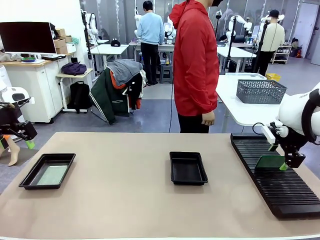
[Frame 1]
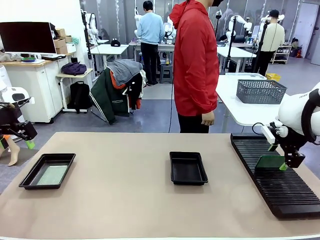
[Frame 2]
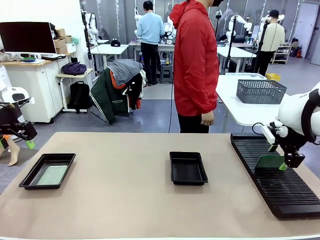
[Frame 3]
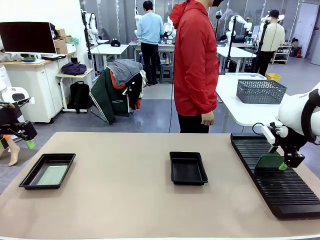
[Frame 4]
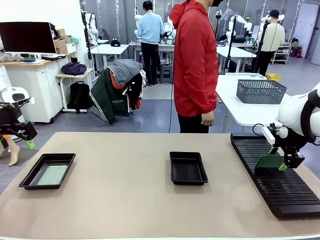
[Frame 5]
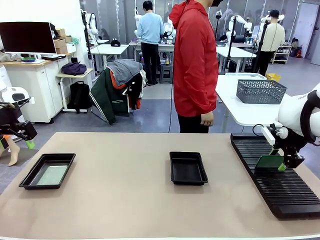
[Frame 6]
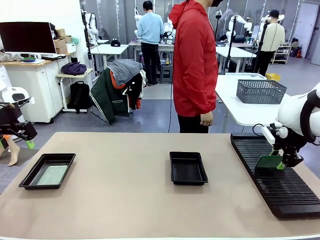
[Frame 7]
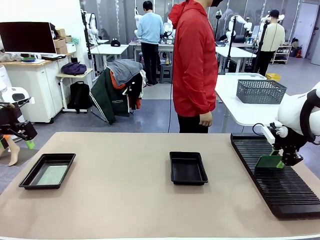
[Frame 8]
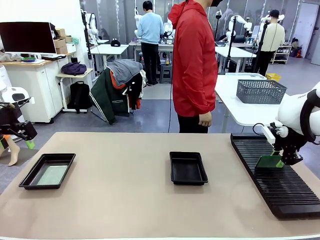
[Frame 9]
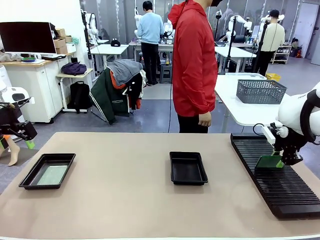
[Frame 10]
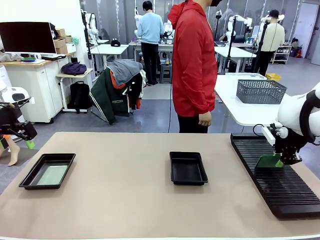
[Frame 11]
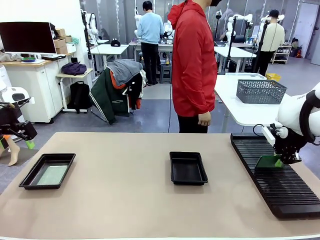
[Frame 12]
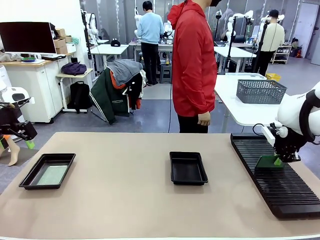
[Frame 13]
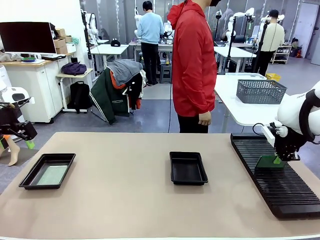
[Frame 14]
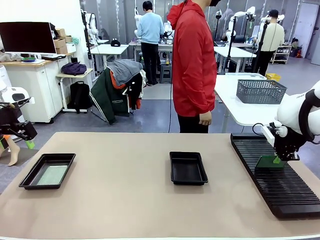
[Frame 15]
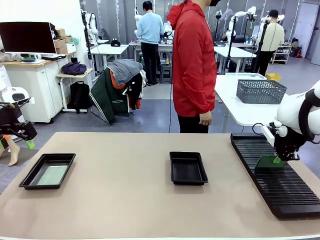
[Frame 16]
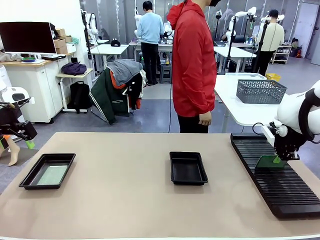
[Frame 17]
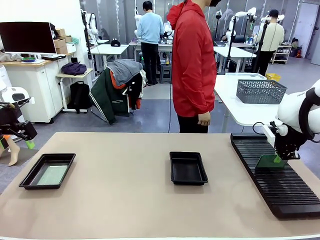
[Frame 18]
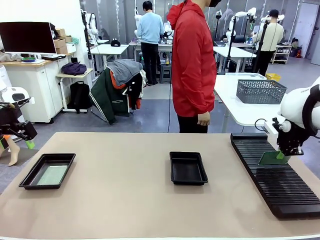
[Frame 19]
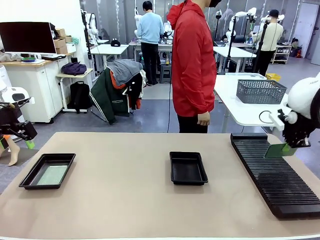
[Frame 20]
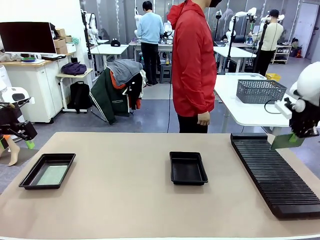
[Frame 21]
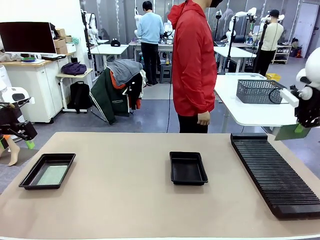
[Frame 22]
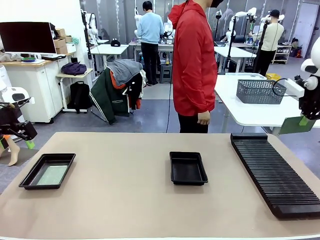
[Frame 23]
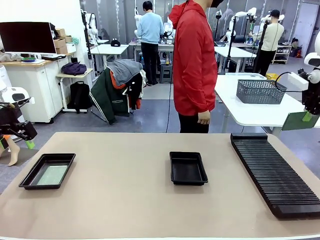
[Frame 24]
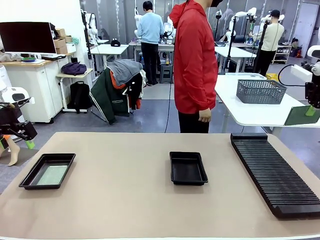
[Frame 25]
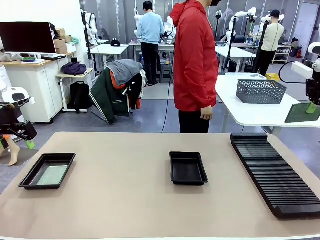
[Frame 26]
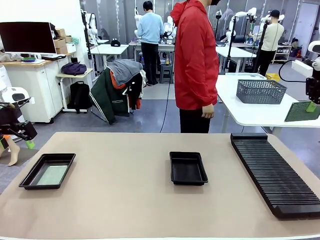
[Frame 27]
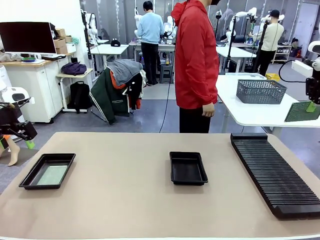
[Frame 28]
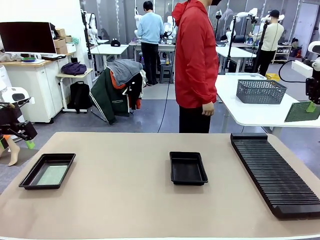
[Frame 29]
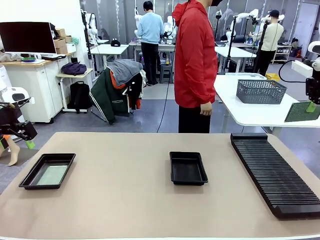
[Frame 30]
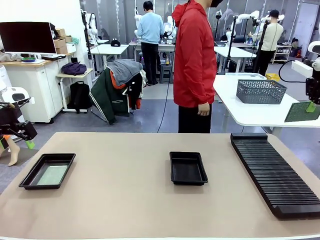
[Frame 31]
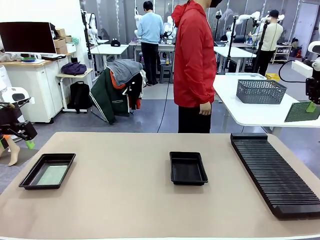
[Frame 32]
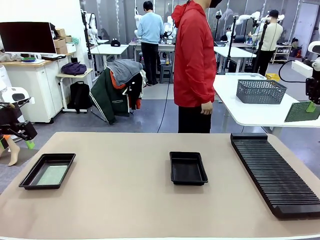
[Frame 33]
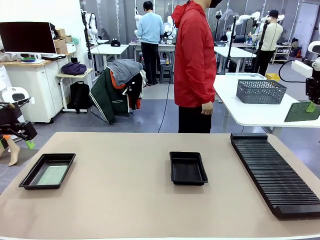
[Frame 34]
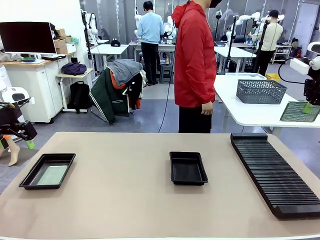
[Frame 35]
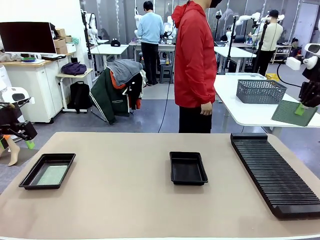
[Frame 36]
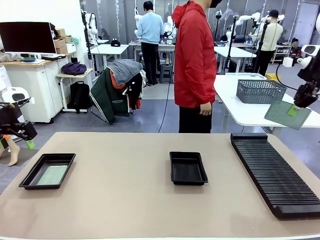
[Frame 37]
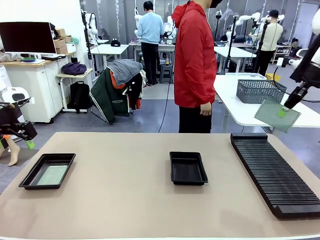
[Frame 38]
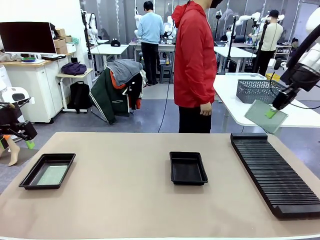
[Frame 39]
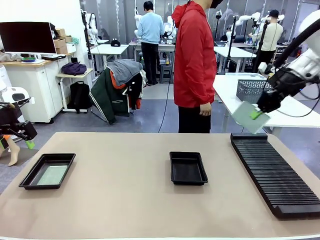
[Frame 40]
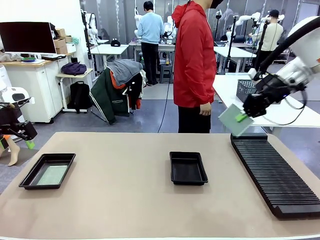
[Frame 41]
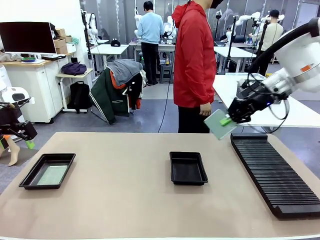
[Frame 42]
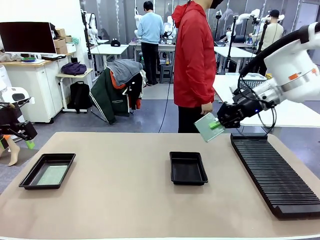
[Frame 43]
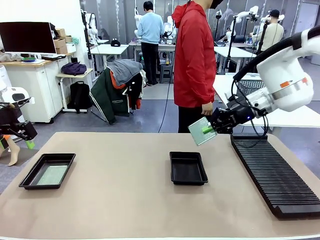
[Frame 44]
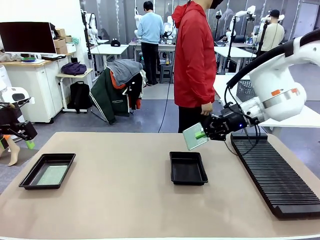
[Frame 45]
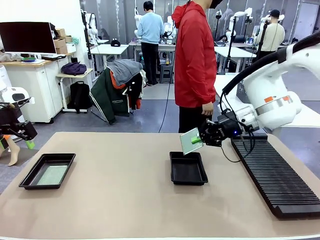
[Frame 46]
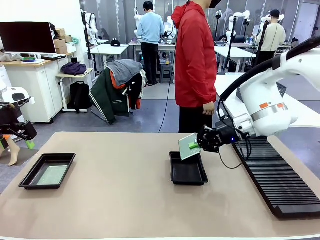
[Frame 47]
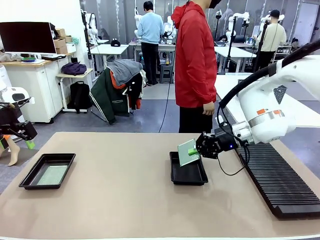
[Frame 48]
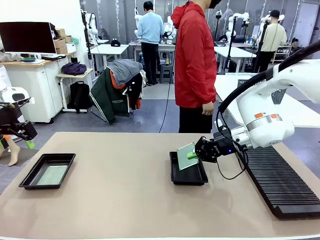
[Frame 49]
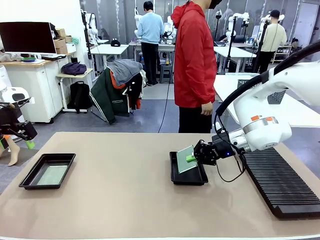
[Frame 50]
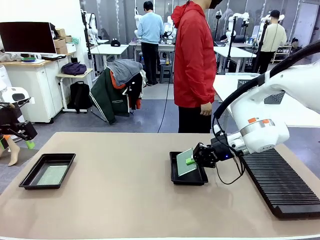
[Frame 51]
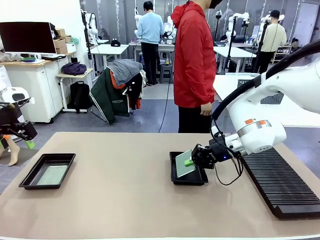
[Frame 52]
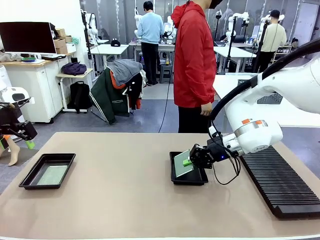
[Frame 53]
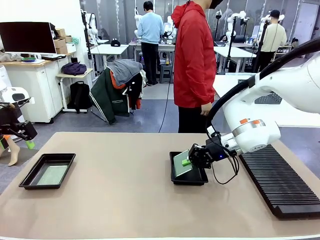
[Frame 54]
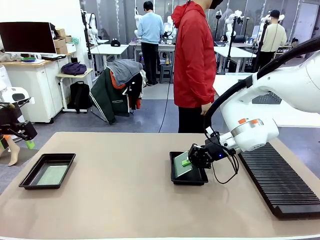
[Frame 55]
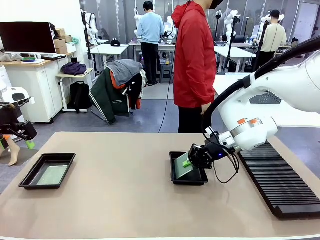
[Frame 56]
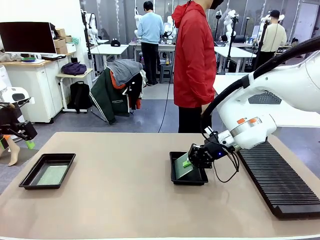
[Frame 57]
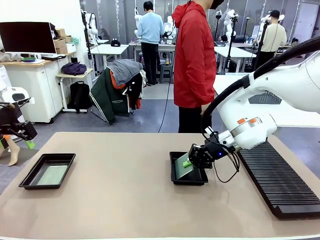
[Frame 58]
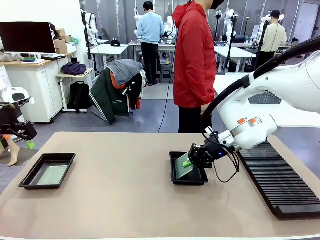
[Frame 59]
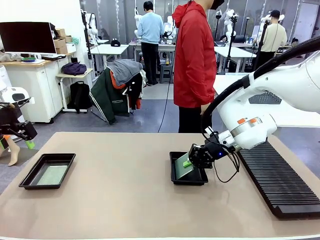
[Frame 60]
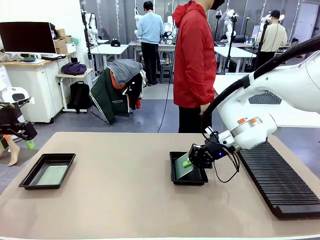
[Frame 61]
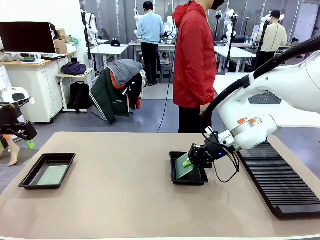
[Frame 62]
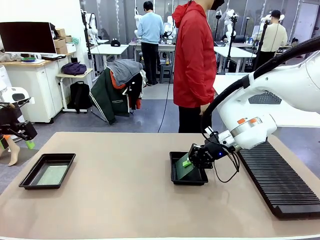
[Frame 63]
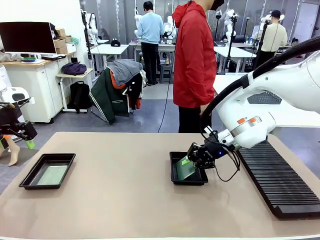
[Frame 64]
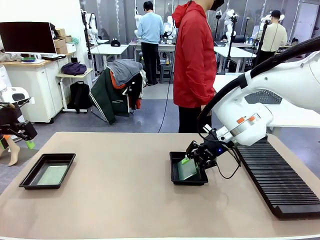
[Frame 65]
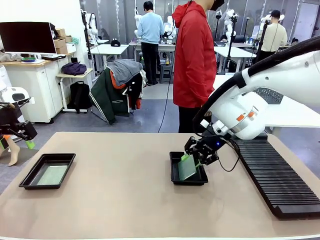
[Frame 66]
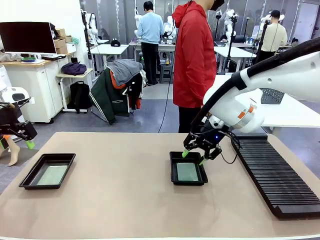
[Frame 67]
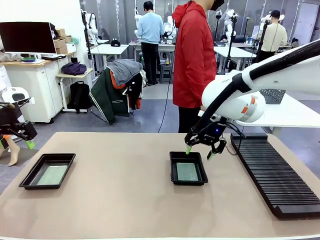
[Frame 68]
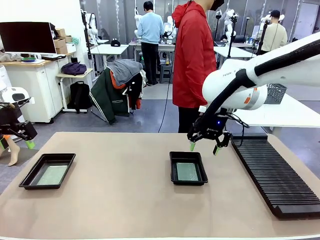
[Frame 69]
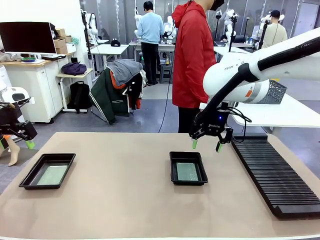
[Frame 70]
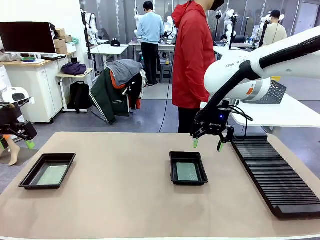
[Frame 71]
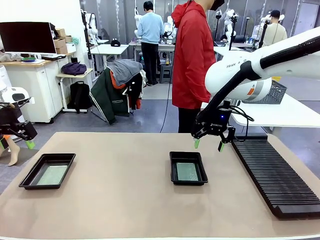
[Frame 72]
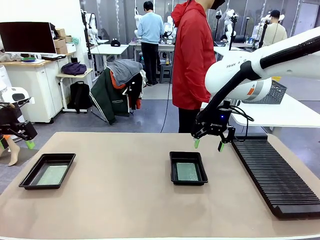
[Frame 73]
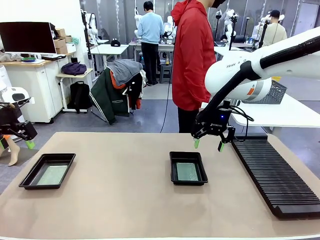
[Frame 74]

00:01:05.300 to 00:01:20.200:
Task: Inspect and transfer BCBs to ESD trays.
Robot: Pick up the Blank PCB from the PCB Rack and place it in the right ESD tray.
